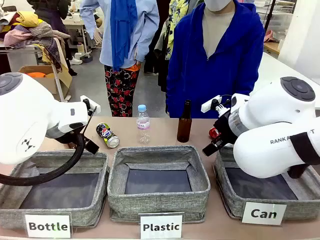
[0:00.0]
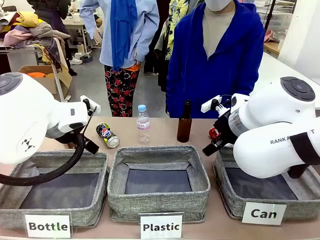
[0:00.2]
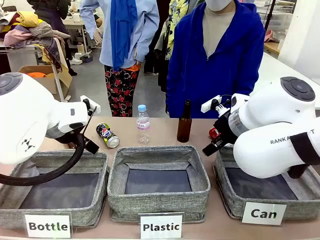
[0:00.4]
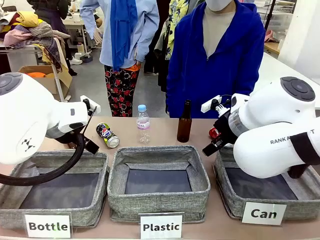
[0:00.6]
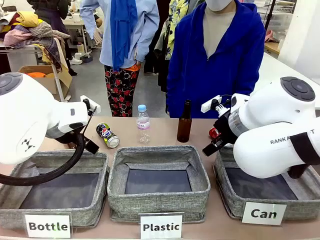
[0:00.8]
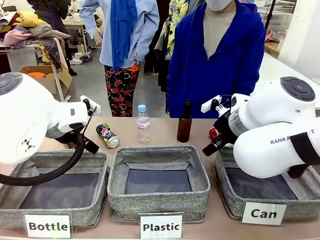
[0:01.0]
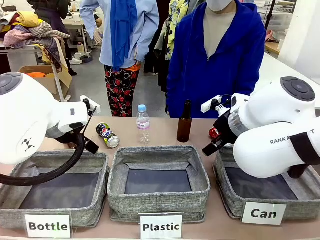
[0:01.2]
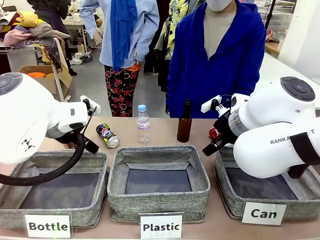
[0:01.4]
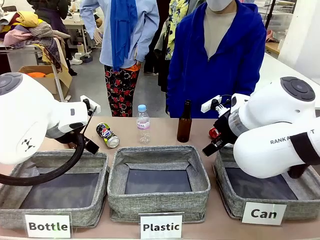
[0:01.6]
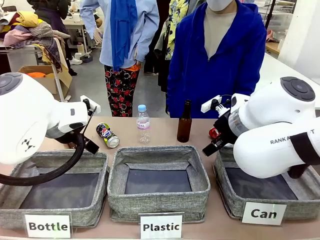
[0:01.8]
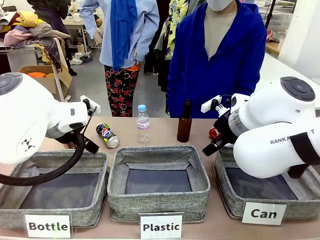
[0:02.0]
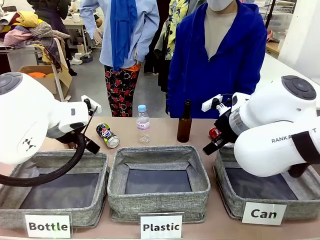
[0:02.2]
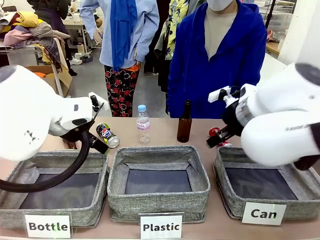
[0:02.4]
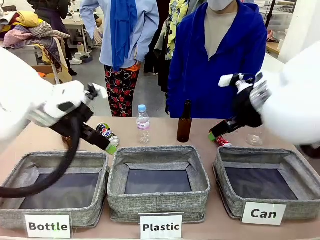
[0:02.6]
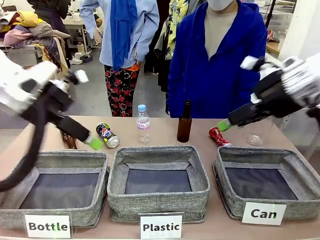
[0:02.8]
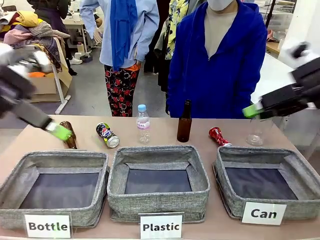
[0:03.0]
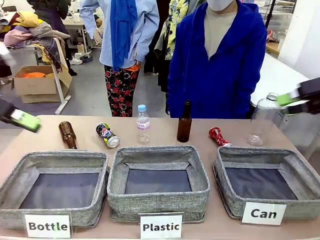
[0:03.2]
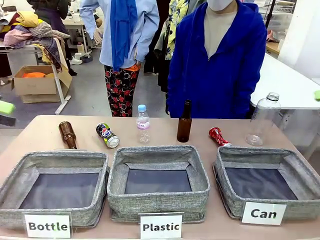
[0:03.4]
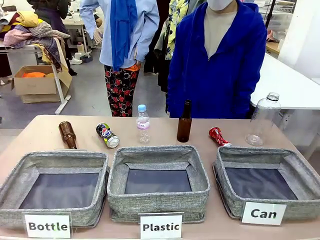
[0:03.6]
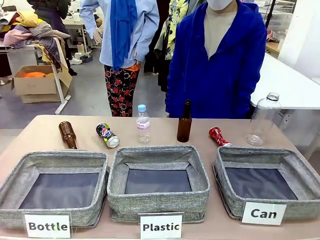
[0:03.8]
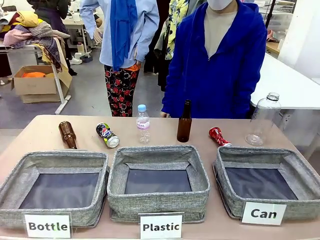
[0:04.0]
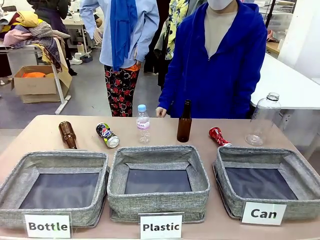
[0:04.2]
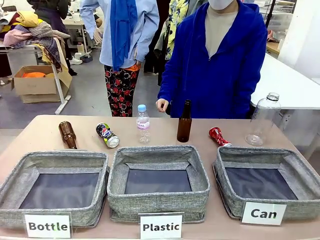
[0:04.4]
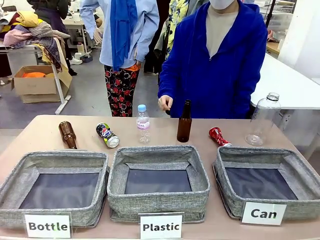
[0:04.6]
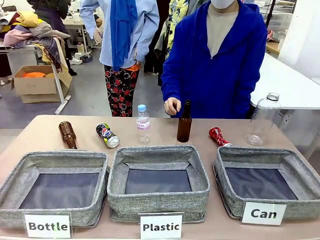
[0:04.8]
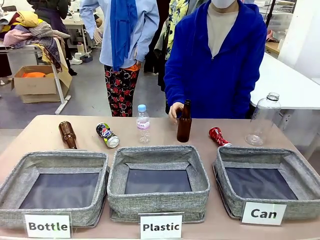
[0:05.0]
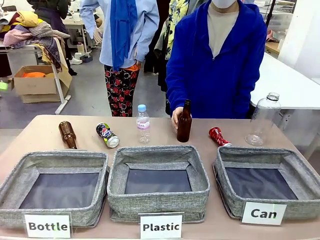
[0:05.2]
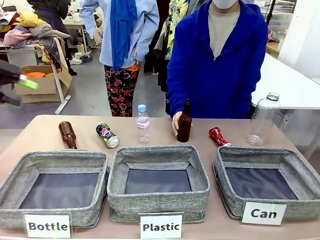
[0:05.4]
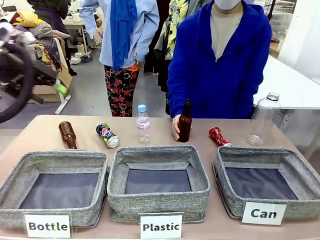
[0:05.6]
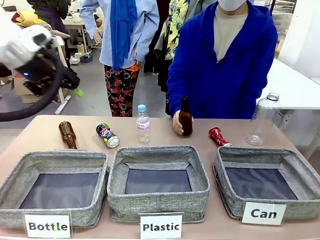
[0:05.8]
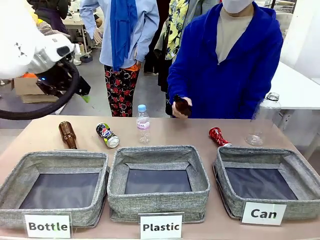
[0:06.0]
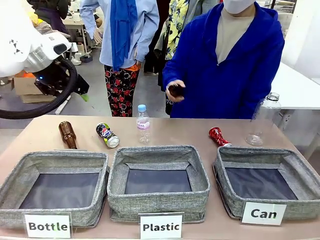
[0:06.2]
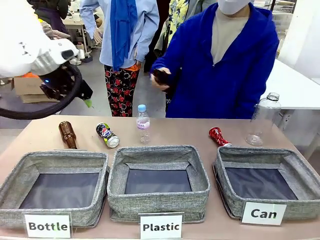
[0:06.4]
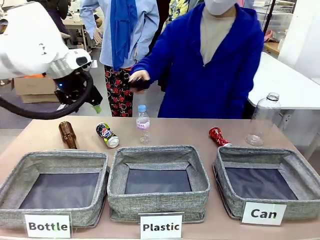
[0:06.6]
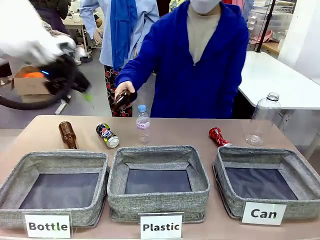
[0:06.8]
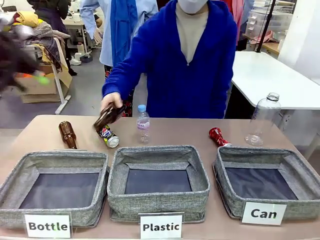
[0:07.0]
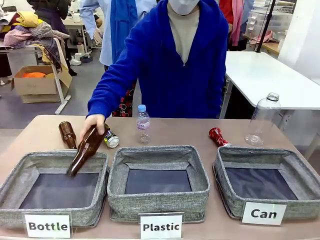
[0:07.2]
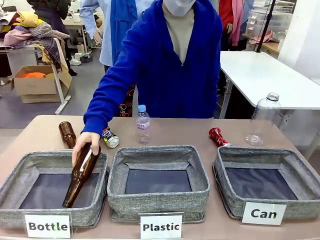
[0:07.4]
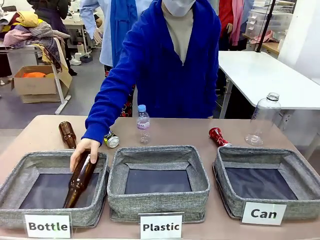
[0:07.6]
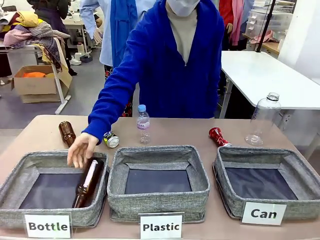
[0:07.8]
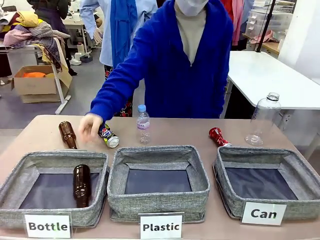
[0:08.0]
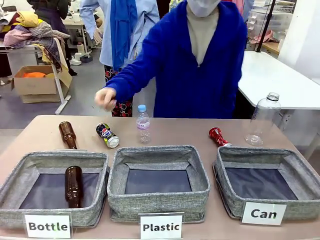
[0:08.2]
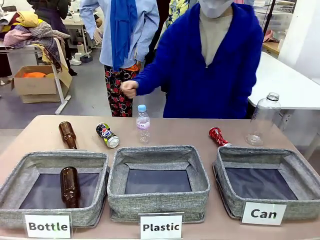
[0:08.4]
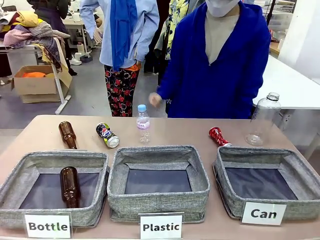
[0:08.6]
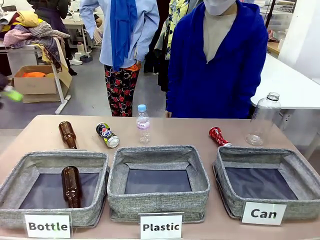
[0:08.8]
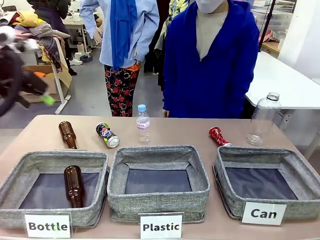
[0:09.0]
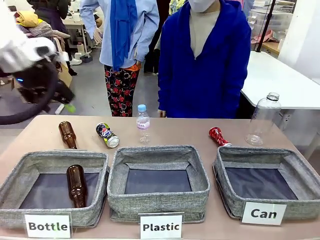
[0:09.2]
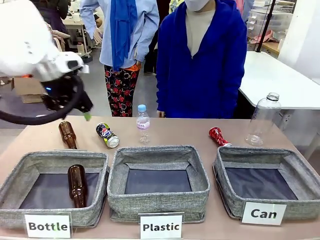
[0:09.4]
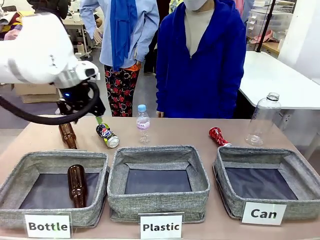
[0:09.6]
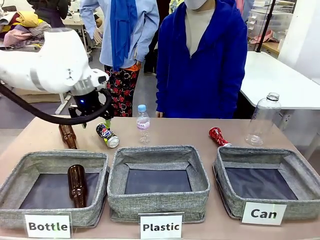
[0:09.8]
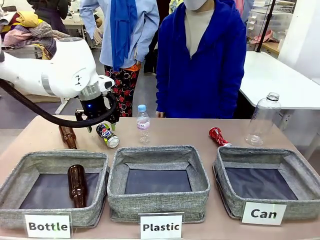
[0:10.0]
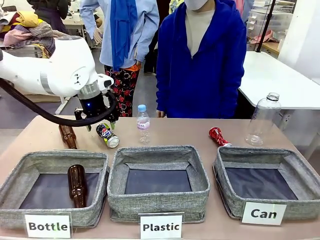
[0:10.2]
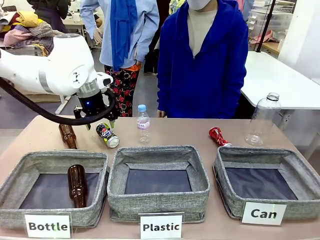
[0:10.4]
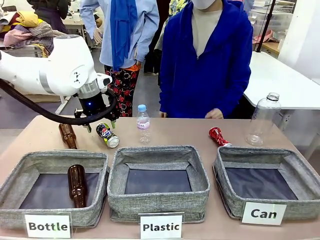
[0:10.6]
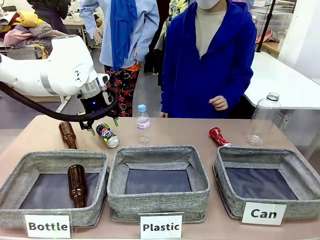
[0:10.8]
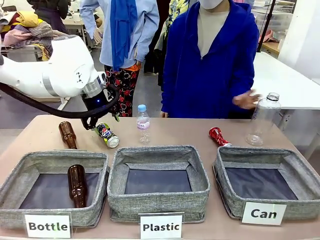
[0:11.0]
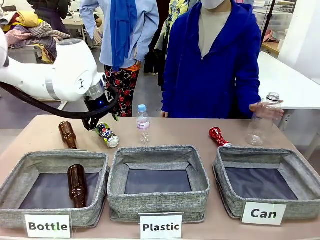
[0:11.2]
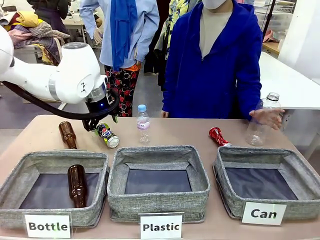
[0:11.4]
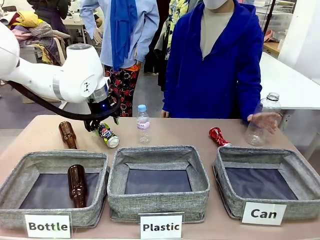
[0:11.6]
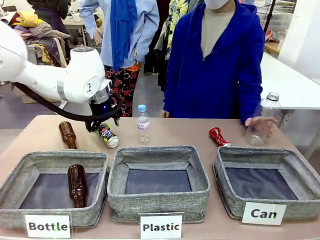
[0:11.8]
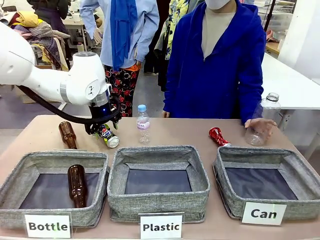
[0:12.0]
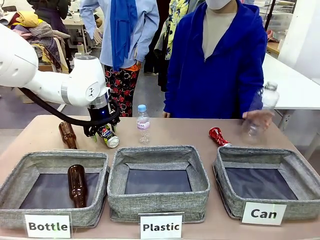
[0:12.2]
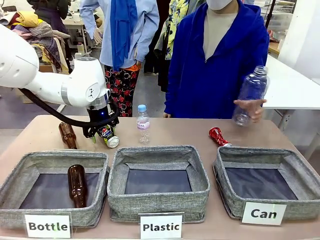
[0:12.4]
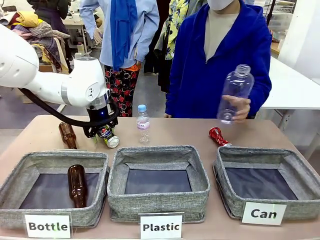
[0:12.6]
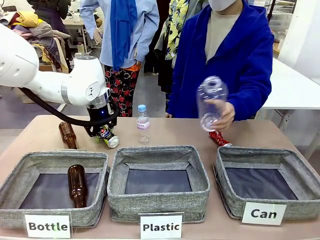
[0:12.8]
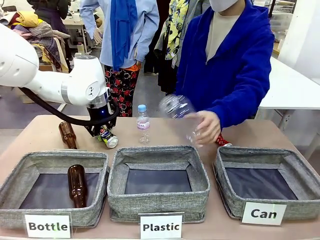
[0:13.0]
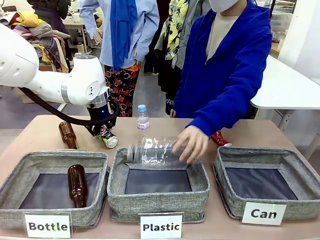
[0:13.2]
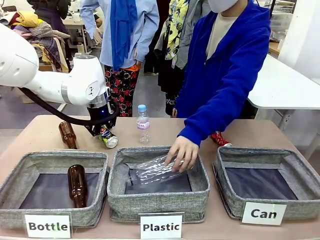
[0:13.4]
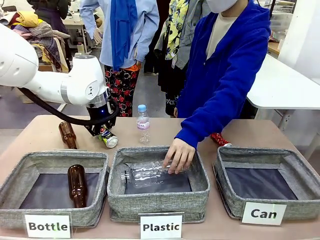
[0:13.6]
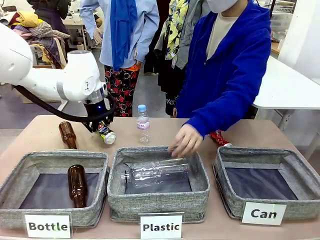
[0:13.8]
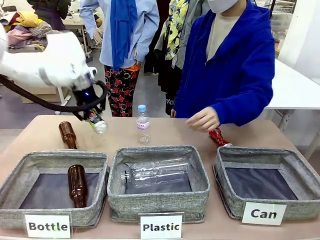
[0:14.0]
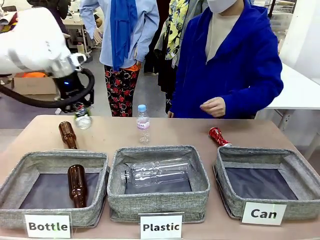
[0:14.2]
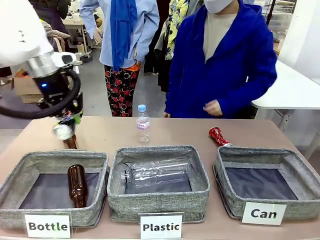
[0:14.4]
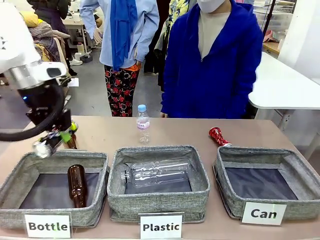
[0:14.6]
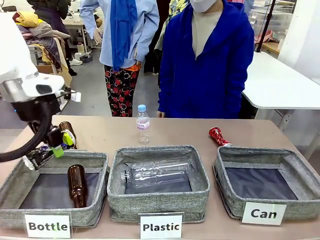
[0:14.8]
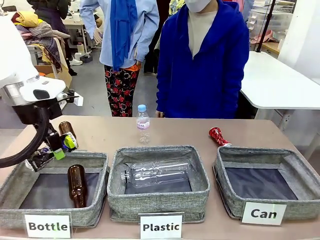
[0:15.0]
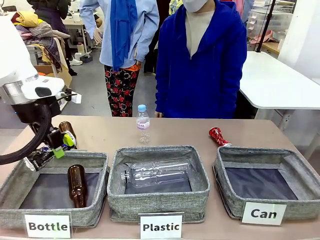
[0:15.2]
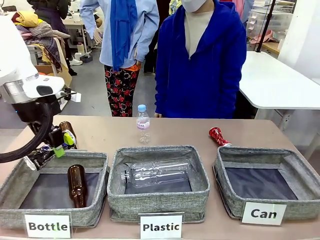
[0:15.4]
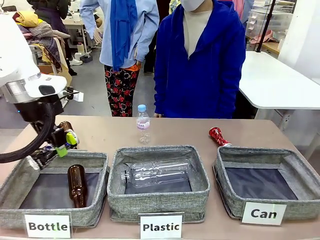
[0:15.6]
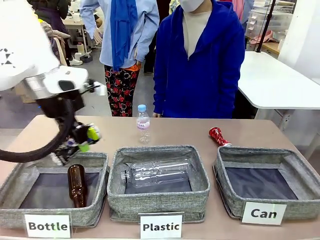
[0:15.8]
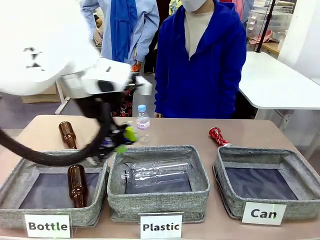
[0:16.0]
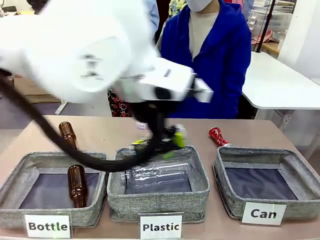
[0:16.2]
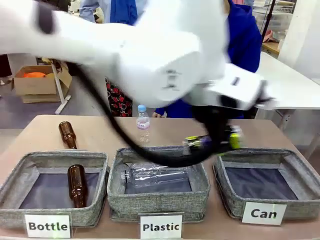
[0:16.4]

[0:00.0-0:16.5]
Task: Sort the can waste into the basket.
Robot: Pick up the can waste from the table and place it in the right Fabric basket.

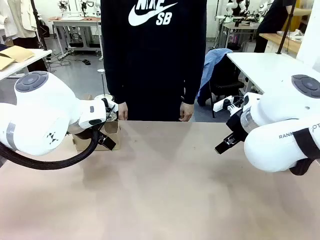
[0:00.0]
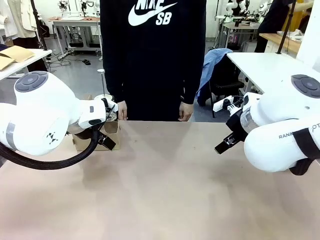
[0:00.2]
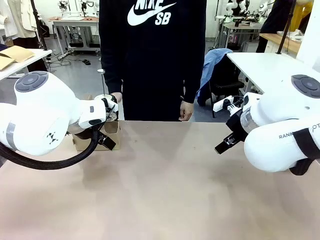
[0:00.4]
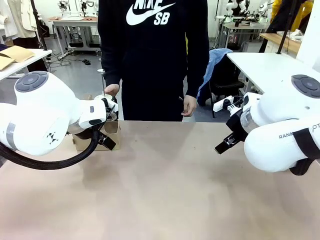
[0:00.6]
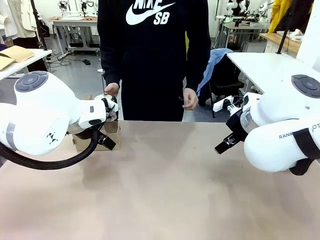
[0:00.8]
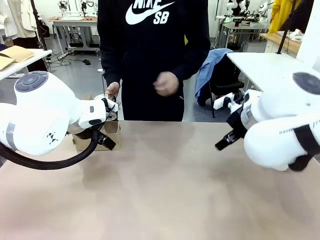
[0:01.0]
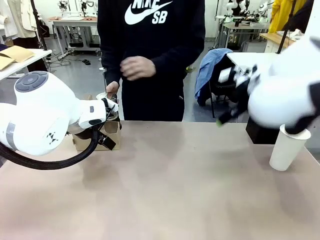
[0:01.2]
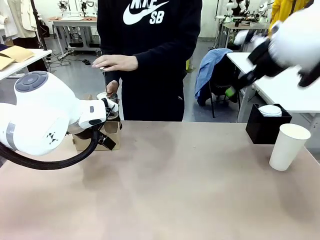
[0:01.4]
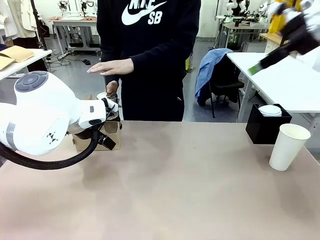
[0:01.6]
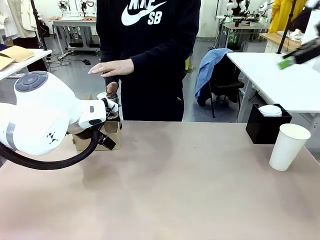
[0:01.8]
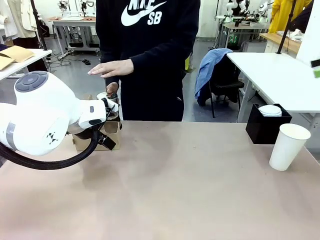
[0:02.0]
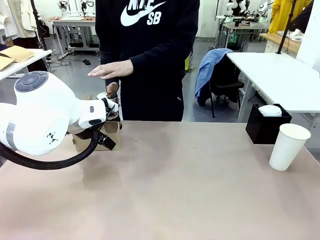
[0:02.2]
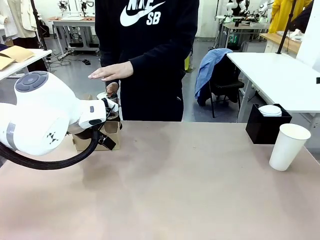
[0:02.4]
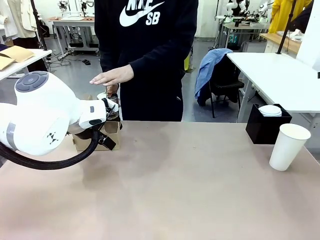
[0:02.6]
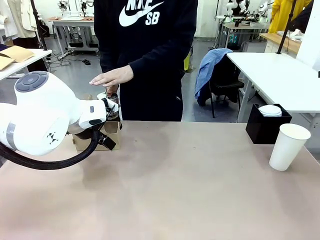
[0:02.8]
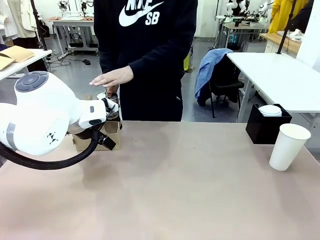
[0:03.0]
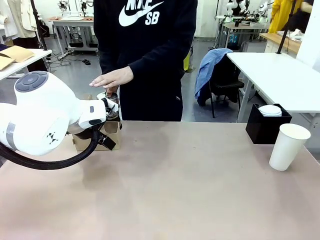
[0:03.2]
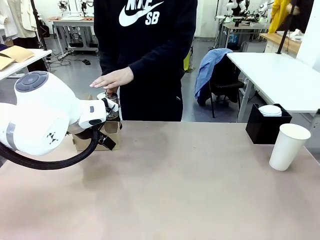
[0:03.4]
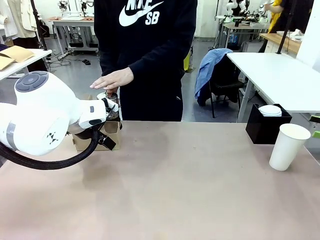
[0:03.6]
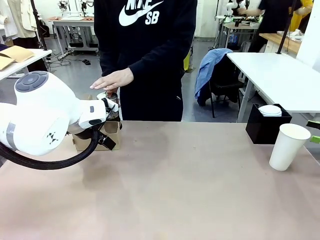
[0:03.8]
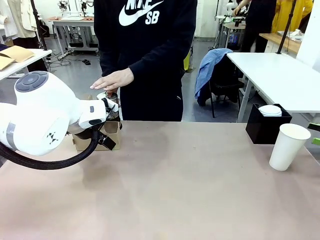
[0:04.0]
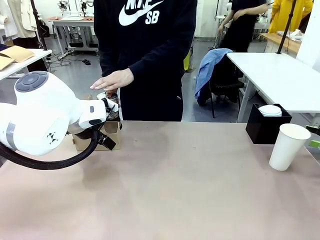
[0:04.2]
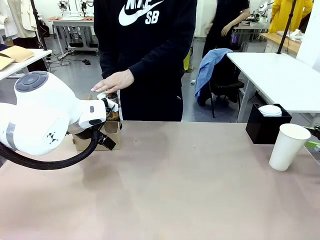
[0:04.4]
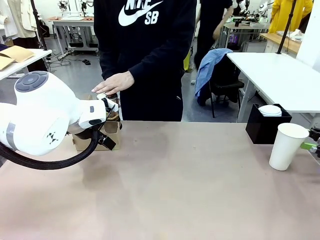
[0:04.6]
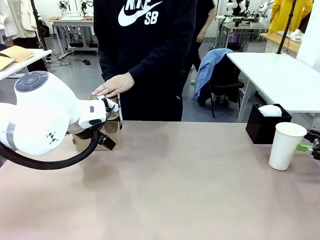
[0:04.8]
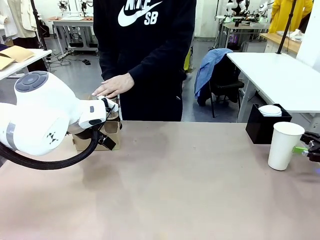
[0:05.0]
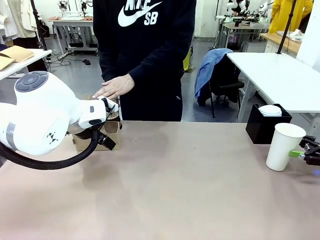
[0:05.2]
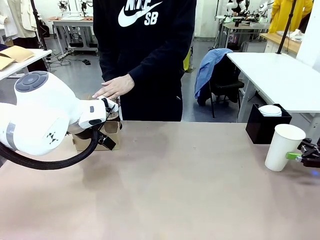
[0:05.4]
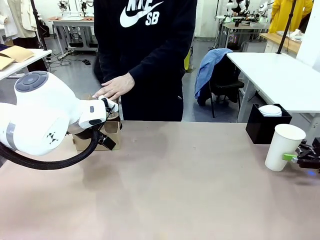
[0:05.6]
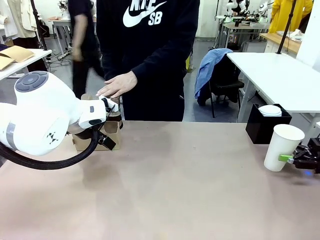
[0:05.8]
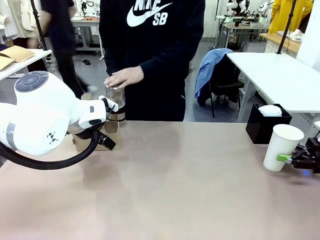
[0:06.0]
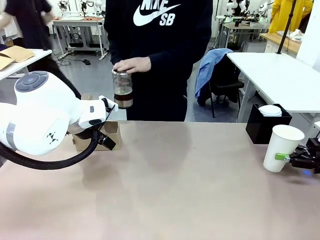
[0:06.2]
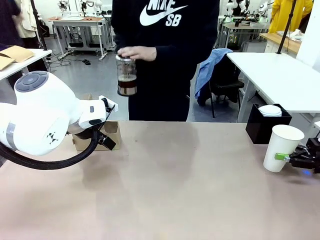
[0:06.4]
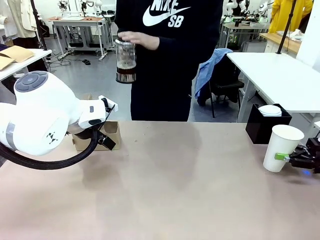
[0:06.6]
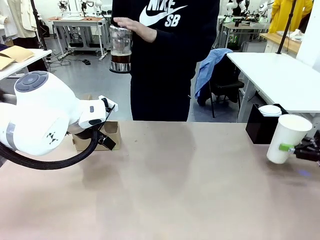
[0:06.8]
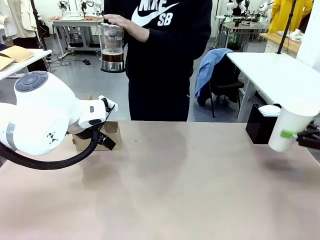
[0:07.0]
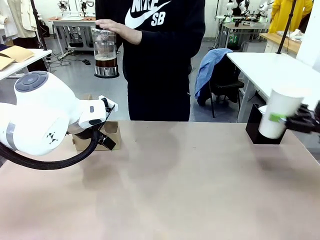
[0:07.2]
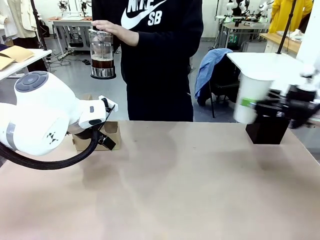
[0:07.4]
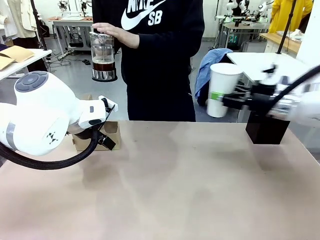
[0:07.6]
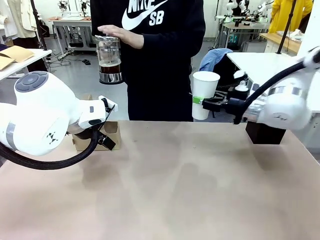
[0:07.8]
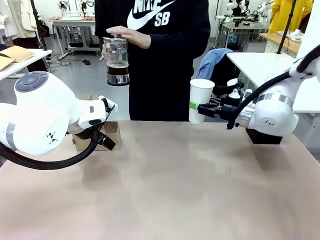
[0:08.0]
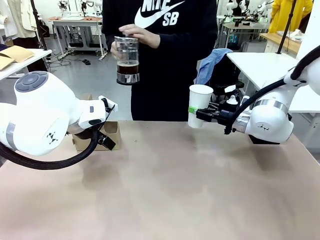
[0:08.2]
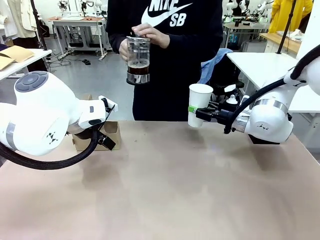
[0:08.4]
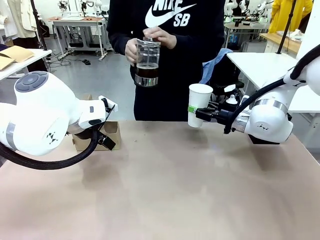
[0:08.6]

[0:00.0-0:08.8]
Task: Pour a drink into a cup and package it in a carrier.
Robot: Pick up the 600 ml Paper Cup and place it in the middle top area of the table.
Person: Press and pick up the Filter Brewing.
